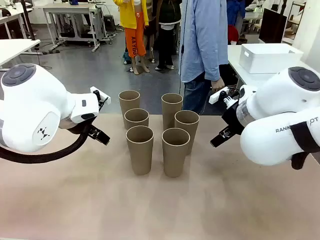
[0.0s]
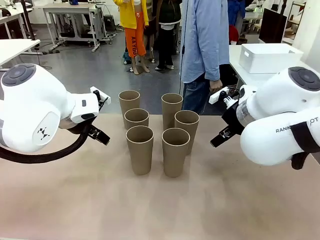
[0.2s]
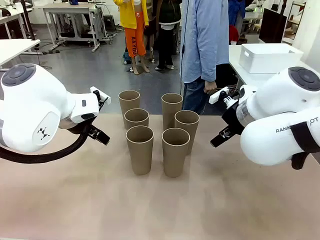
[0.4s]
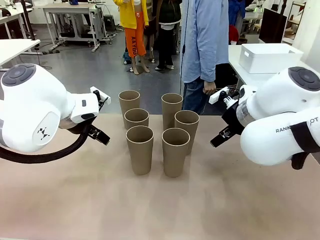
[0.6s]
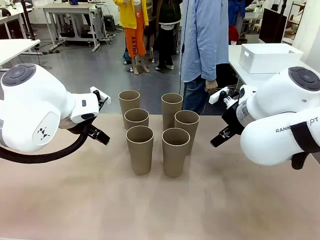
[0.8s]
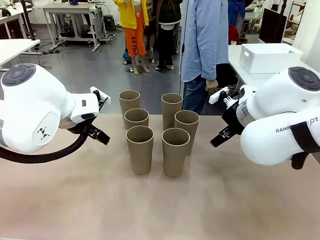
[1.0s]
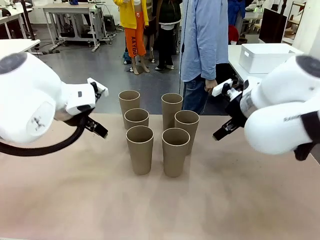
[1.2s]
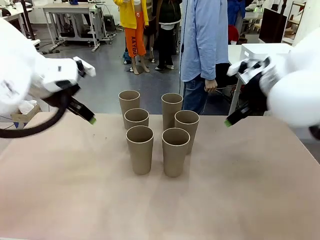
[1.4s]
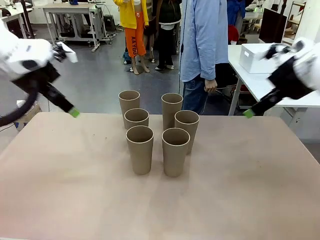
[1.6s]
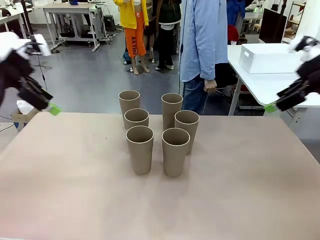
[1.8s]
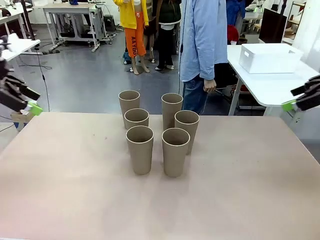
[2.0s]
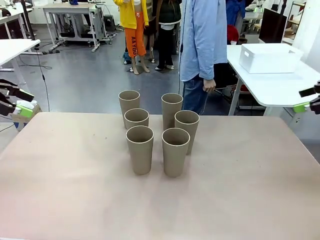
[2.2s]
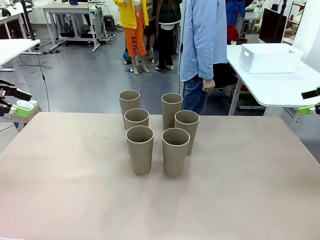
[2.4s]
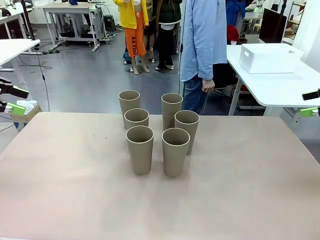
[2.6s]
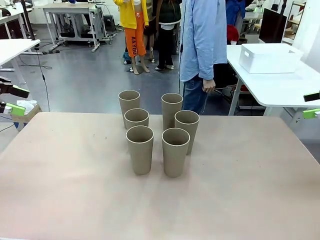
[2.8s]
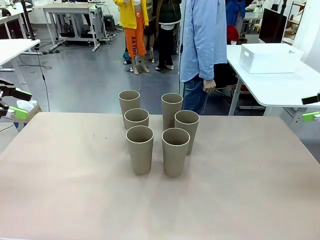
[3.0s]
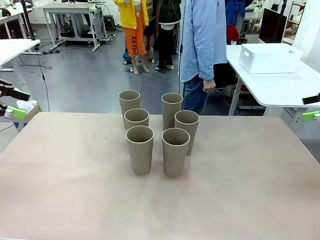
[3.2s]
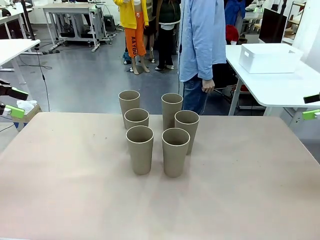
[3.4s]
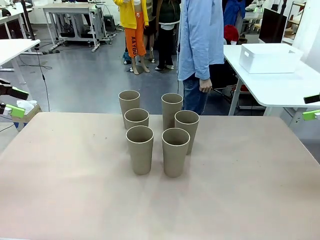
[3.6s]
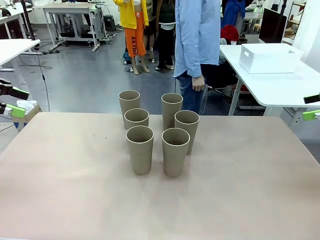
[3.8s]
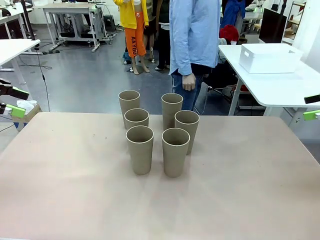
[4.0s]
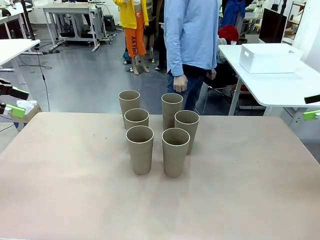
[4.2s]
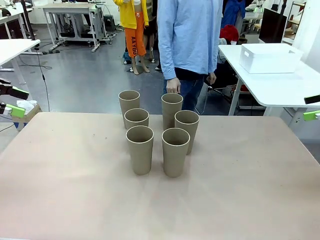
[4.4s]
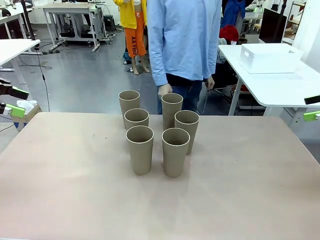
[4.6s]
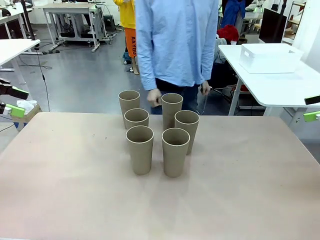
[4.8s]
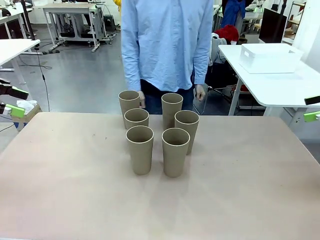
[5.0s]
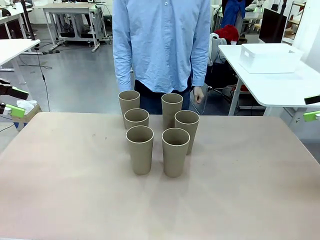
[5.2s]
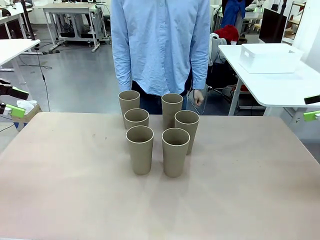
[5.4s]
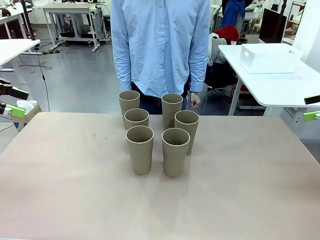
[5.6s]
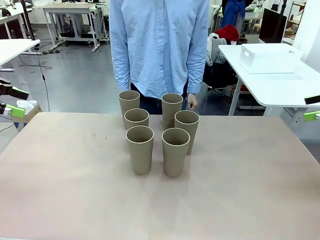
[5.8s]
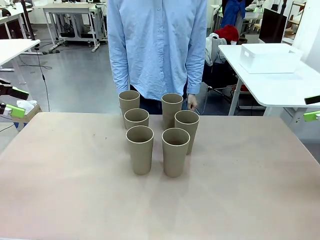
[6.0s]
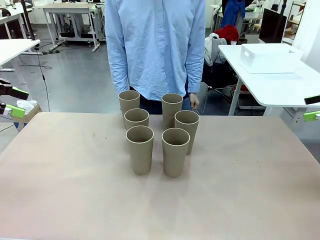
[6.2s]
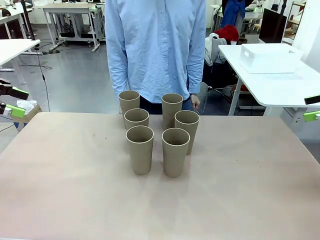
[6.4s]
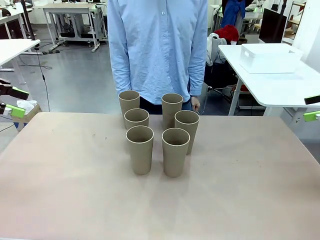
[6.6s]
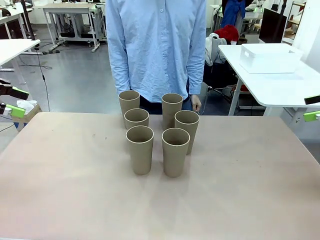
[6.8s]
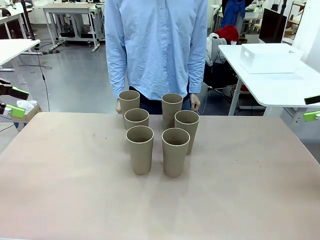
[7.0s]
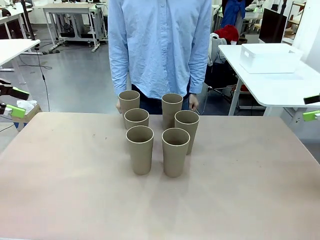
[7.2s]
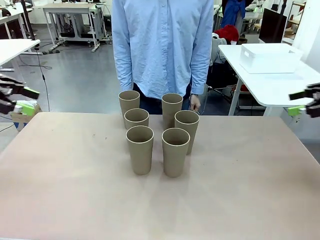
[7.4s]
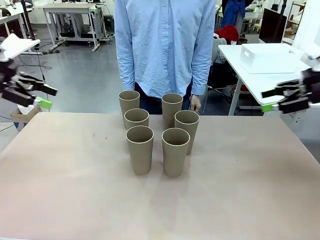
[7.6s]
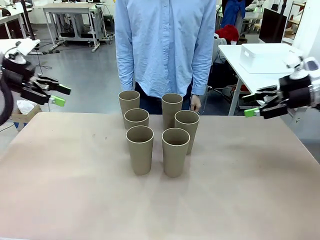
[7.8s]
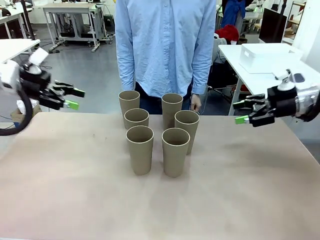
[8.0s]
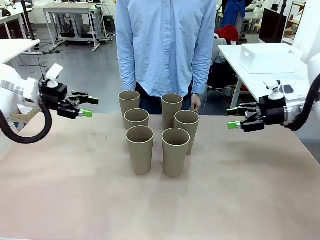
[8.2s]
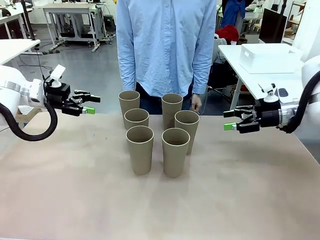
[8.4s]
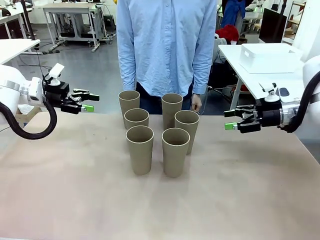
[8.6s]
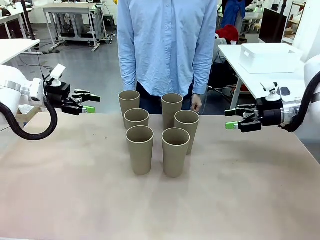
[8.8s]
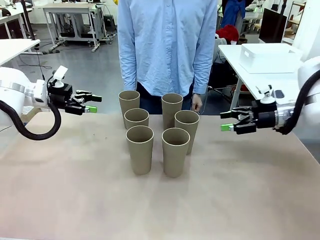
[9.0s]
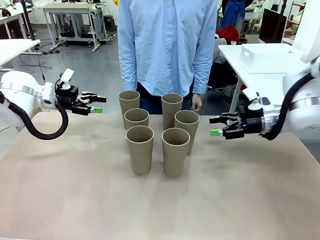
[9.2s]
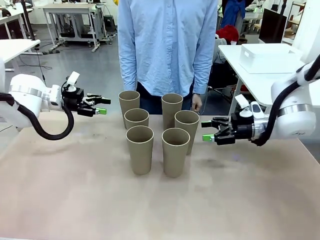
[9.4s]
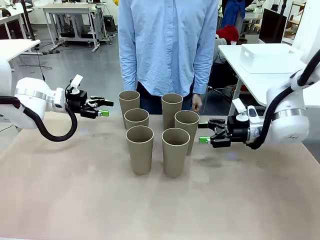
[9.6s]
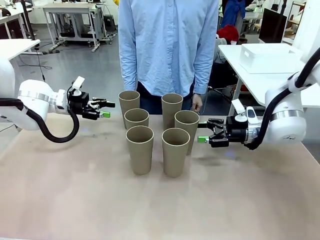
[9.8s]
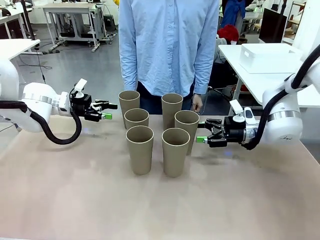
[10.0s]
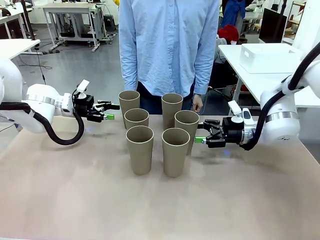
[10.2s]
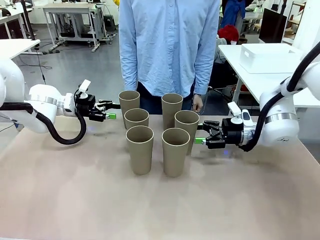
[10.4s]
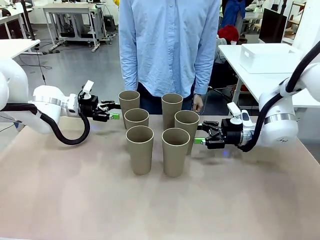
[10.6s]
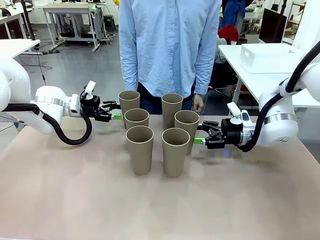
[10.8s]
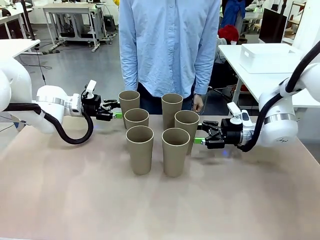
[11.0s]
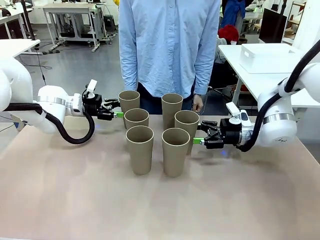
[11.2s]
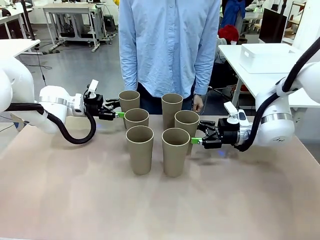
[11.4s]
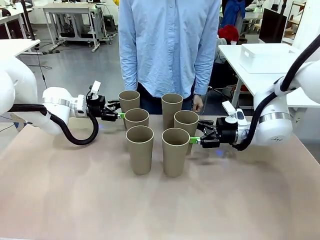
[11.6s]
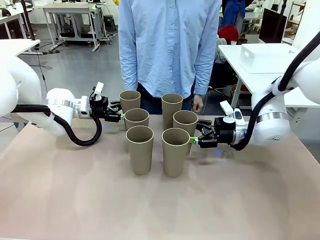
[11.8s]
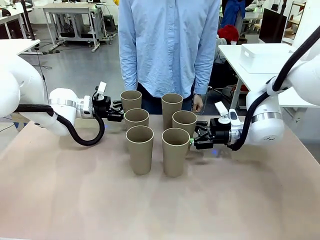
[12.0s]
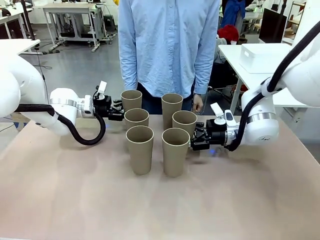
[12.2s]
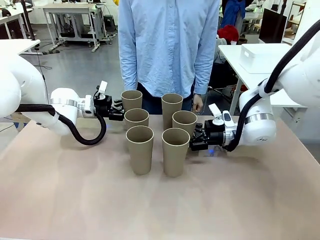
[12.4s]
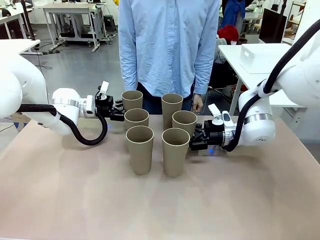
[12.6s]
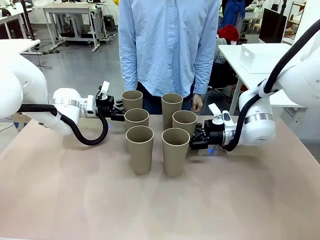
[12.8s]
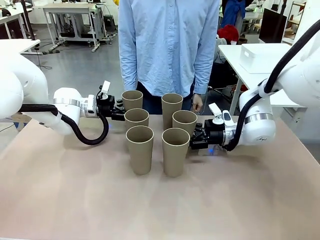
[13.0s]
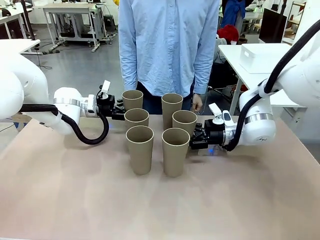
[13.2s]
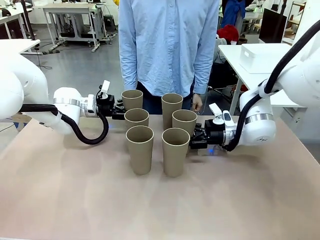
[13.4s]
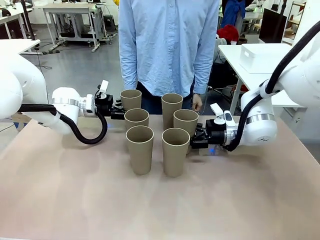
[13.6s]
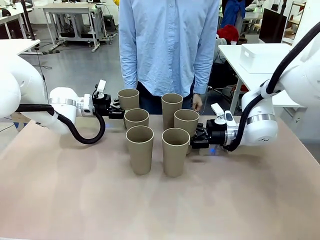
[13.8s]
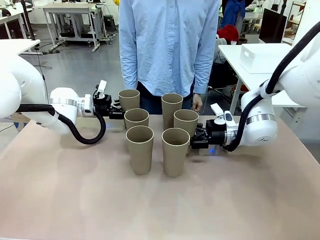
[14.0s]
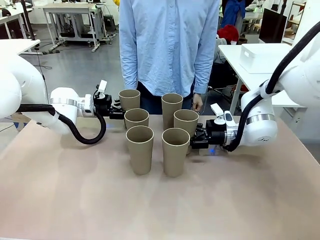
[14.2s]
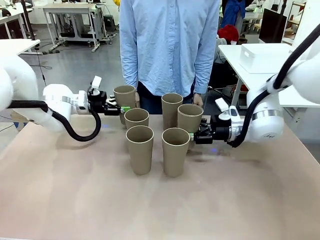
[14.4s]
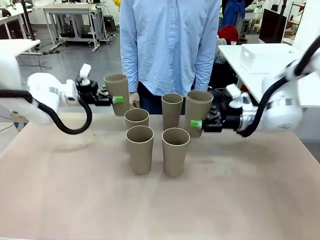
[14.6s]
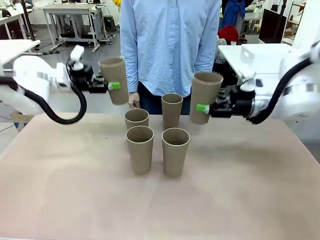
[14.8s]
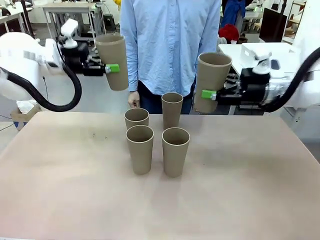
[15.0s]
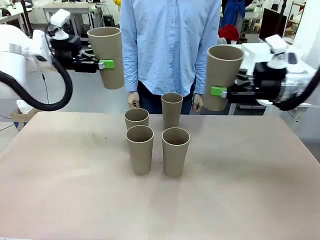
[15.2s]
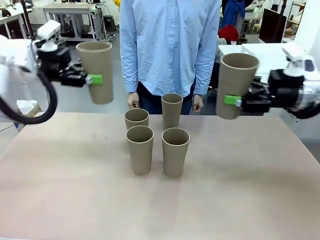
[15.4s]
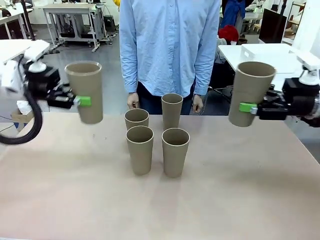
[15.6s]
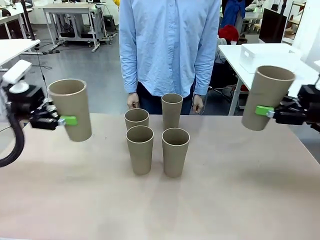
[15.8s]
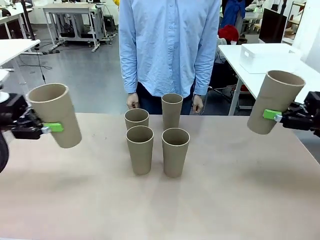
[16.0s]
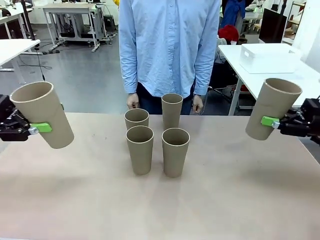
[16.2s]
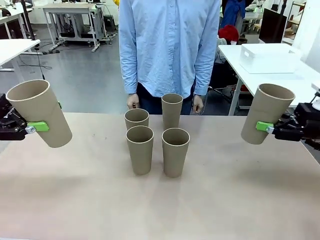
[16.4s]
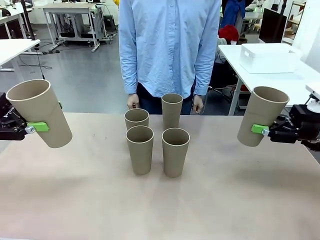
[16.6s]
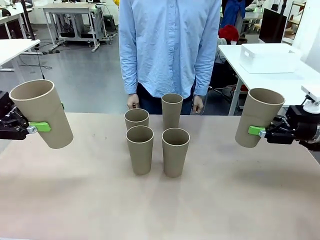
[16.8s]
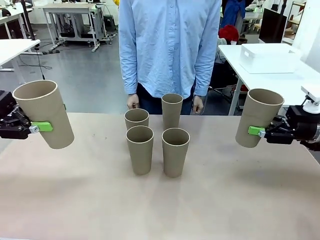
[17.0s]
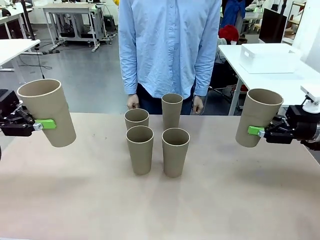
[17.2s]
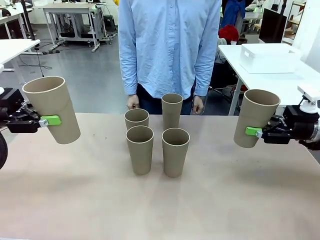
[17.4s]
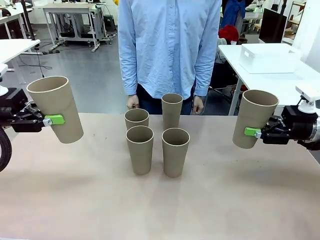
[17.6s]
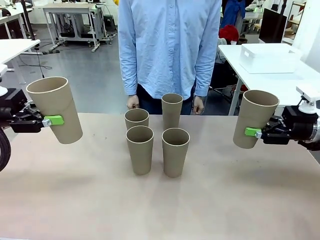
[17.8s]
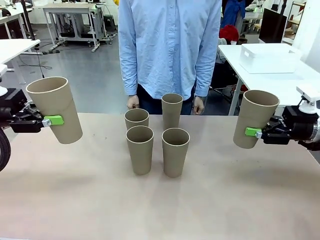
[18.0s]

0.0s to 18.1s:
Task: Stack the cups and store them in the basket.
Robot: Pick up two Reusable plastic cups , one in each hand.
Person: Move from the Human Table to the front of the Robot Table. Stack two of the remaining cups on top of each cup held by the robot.
